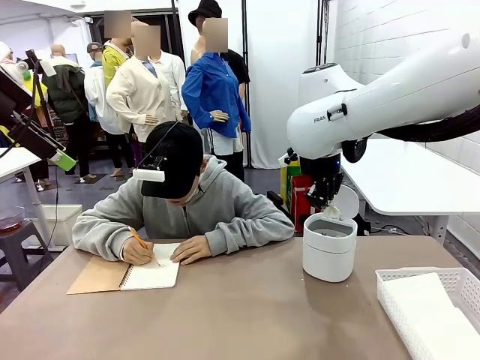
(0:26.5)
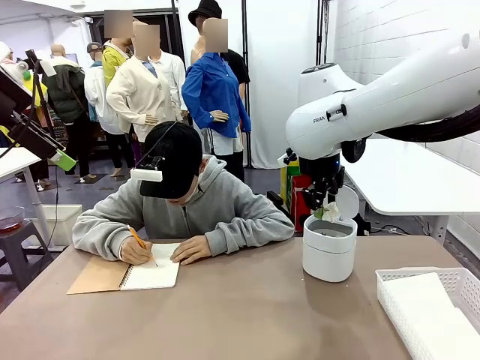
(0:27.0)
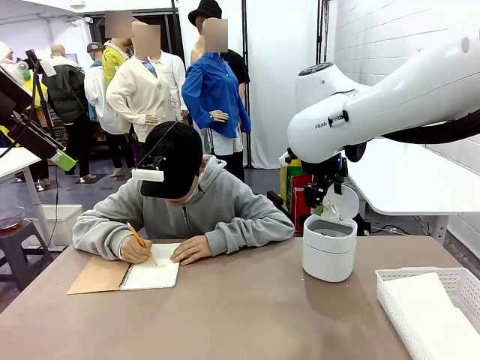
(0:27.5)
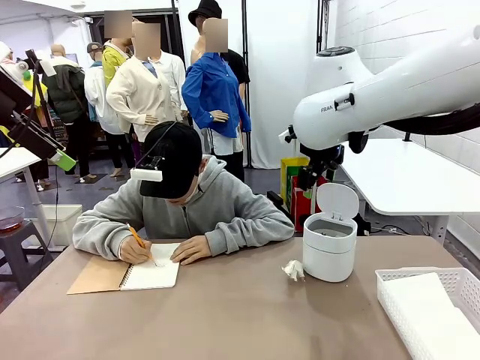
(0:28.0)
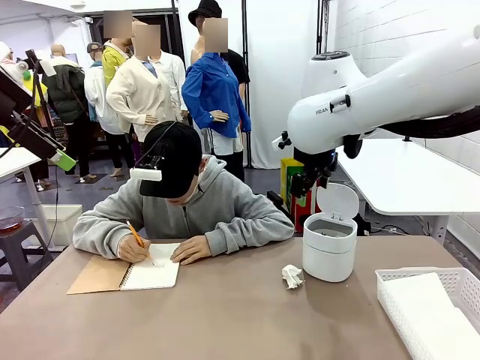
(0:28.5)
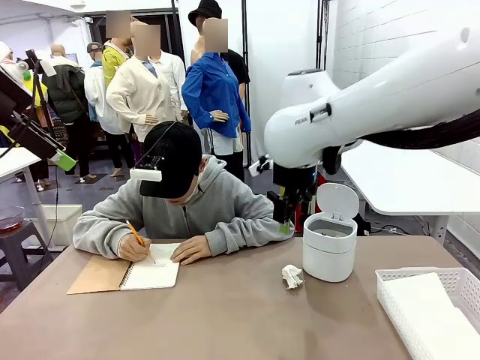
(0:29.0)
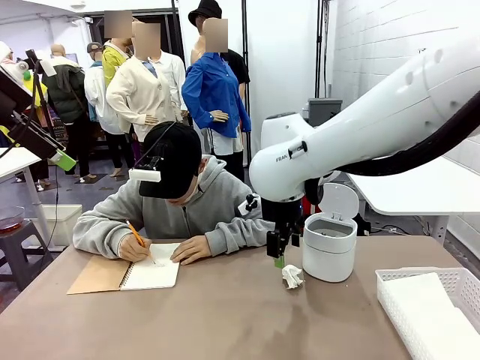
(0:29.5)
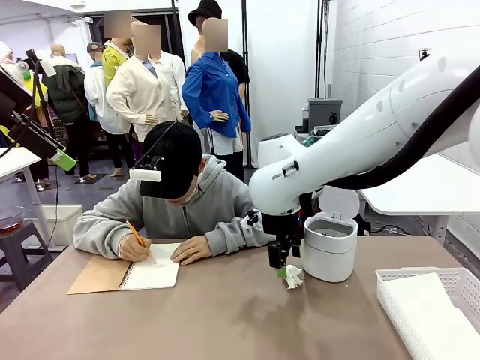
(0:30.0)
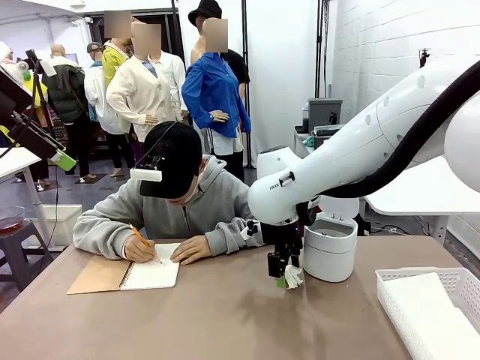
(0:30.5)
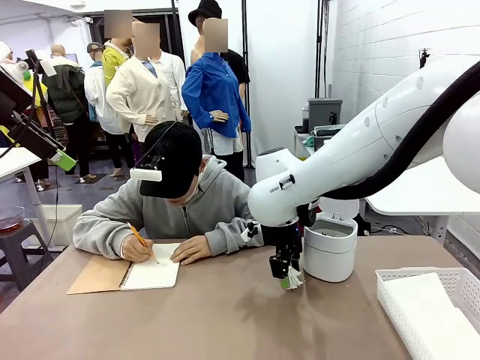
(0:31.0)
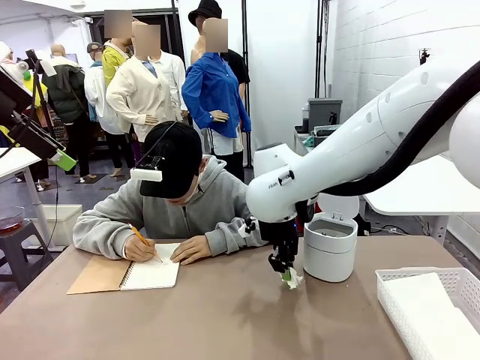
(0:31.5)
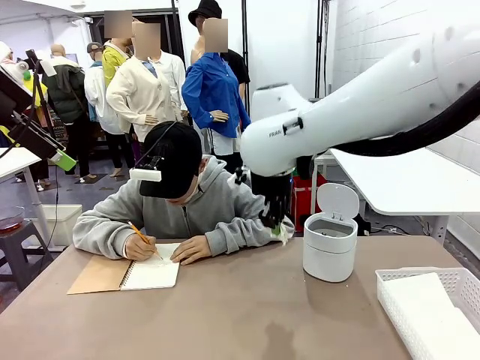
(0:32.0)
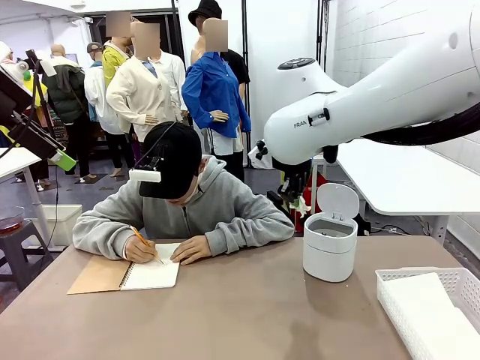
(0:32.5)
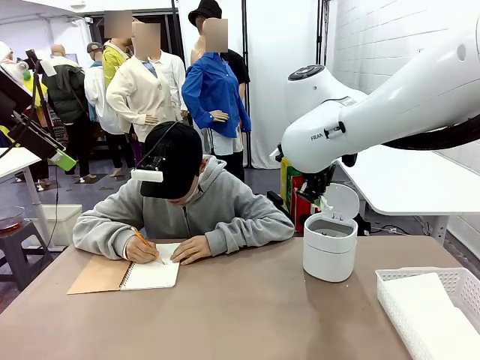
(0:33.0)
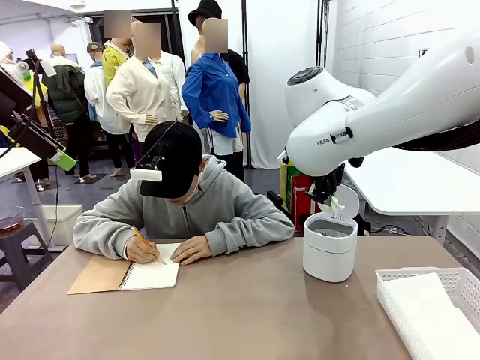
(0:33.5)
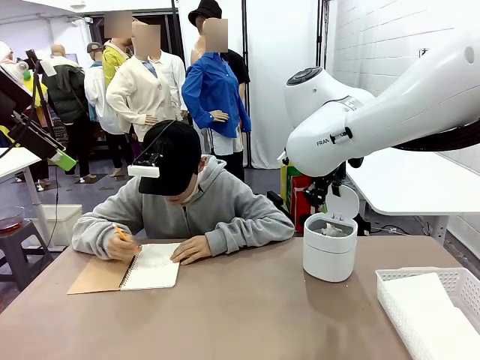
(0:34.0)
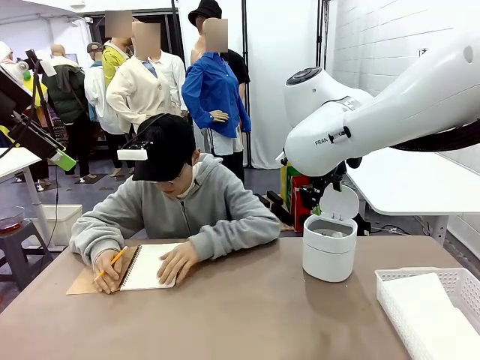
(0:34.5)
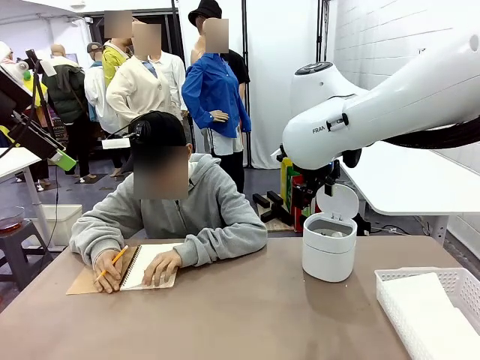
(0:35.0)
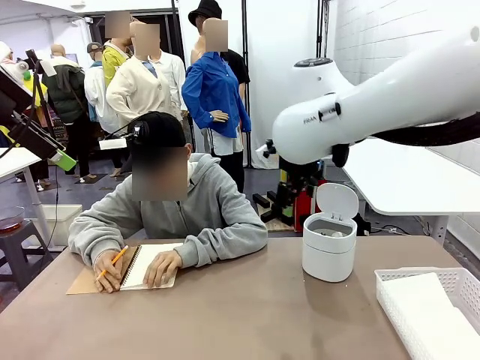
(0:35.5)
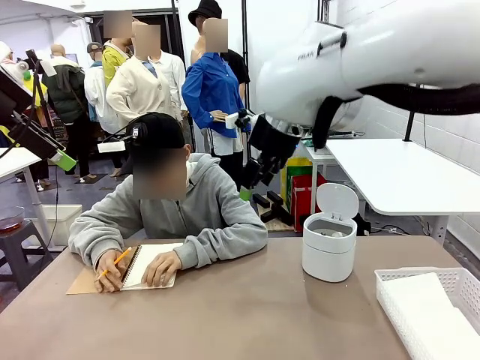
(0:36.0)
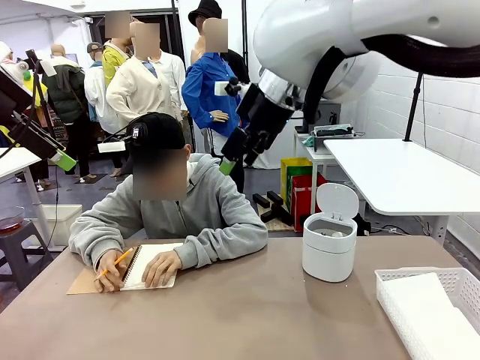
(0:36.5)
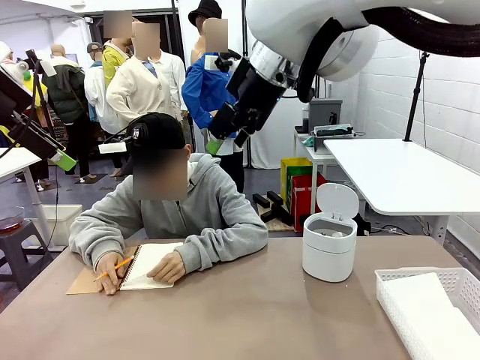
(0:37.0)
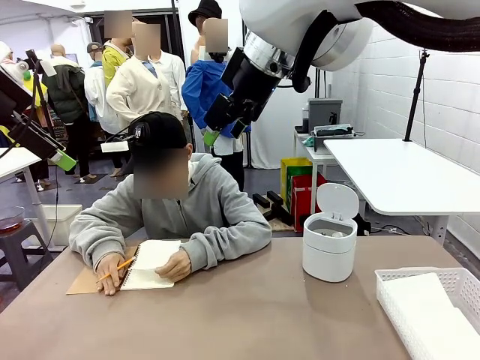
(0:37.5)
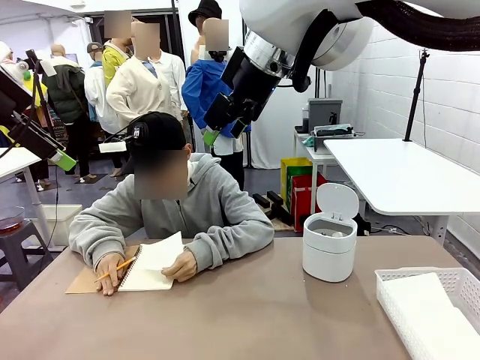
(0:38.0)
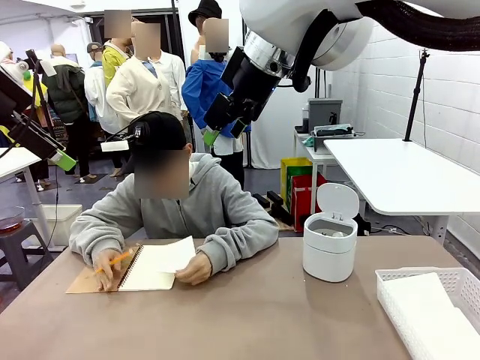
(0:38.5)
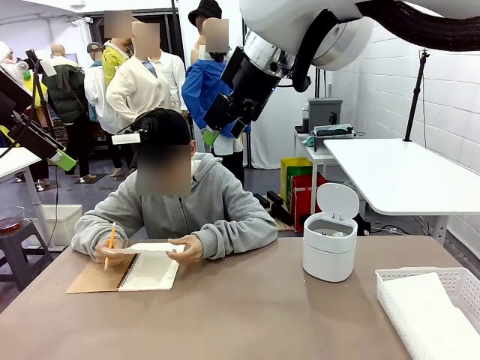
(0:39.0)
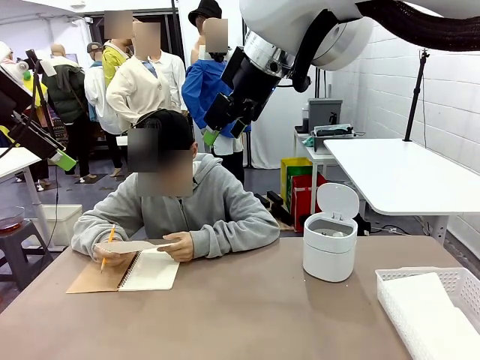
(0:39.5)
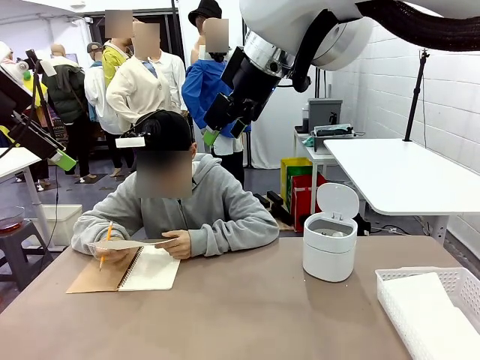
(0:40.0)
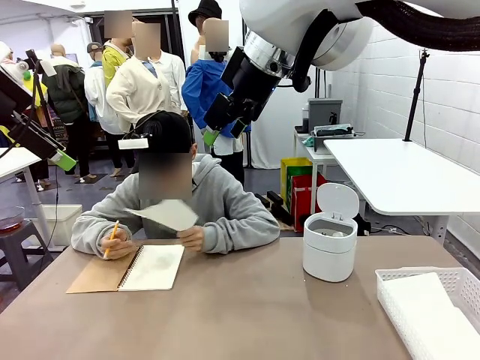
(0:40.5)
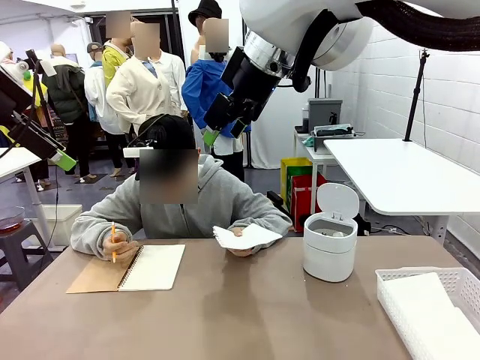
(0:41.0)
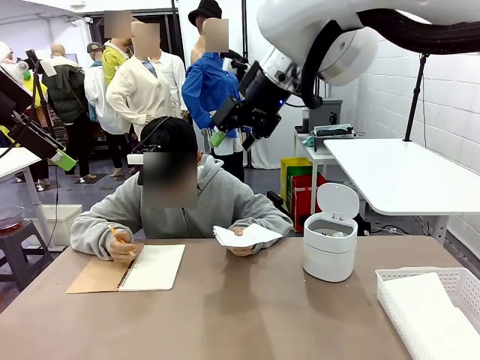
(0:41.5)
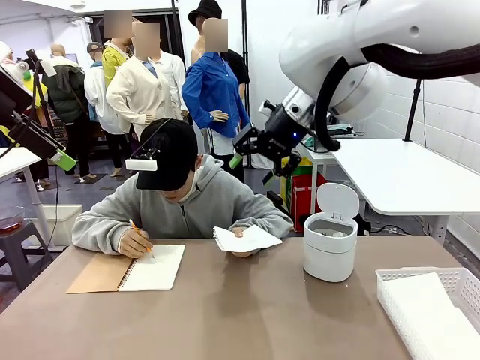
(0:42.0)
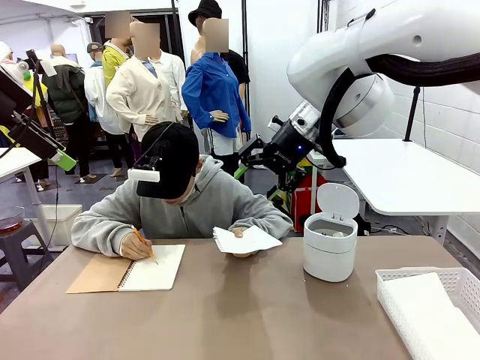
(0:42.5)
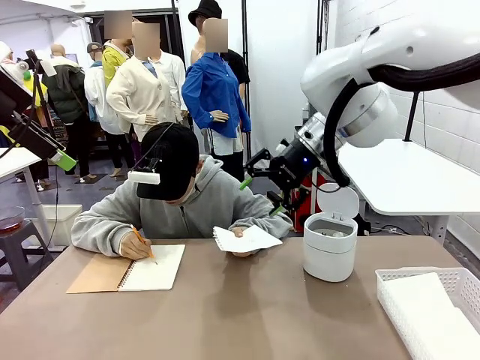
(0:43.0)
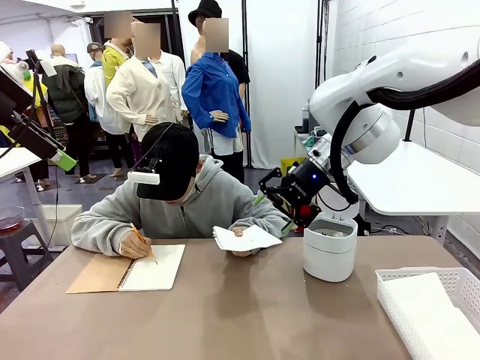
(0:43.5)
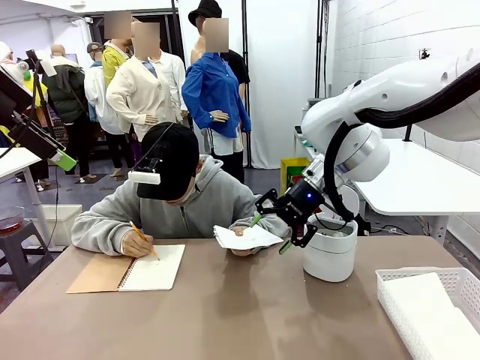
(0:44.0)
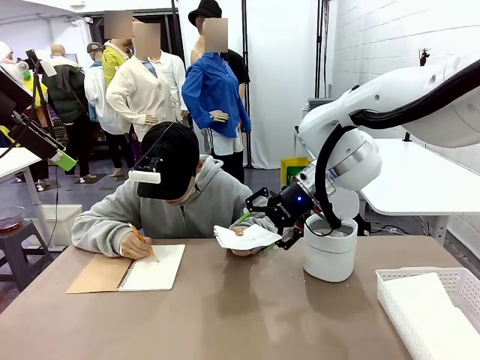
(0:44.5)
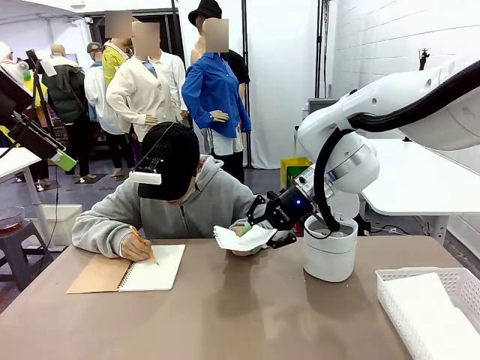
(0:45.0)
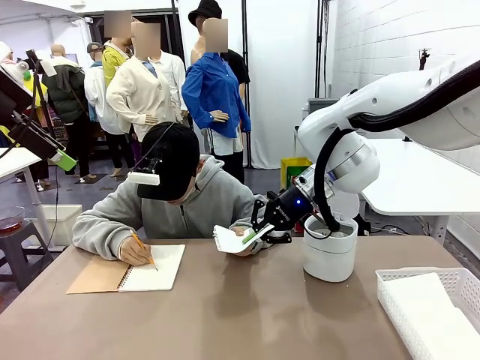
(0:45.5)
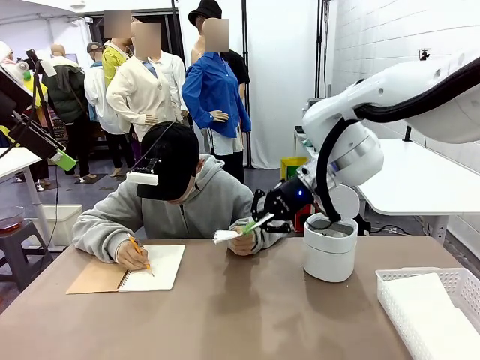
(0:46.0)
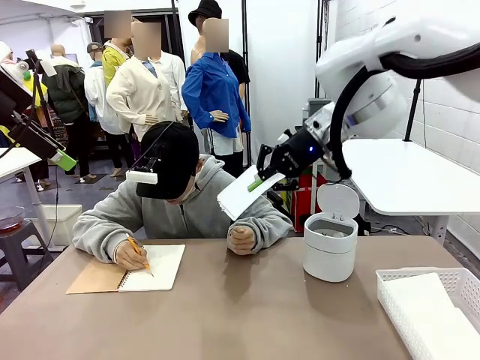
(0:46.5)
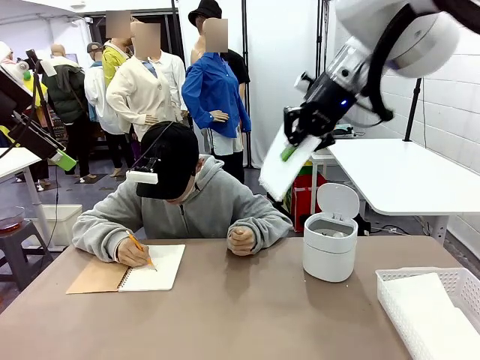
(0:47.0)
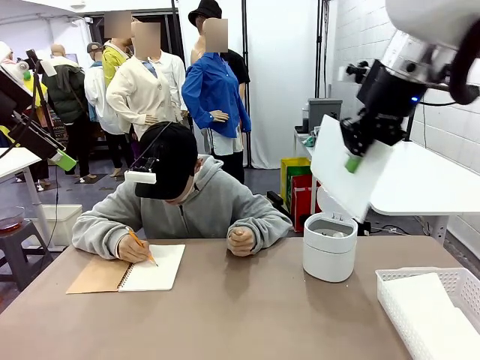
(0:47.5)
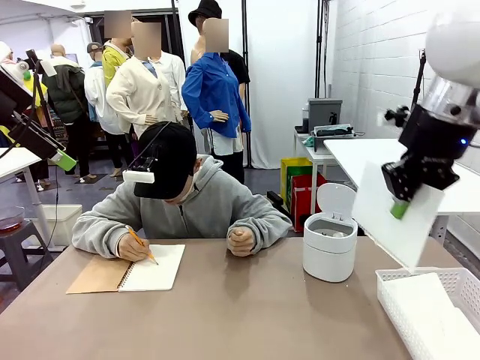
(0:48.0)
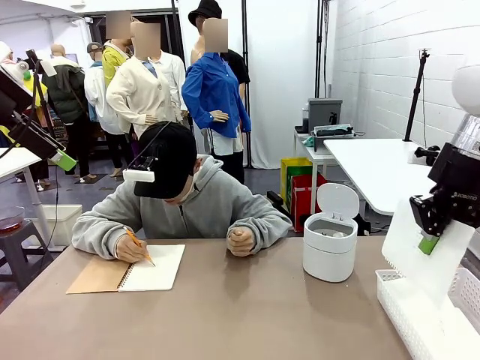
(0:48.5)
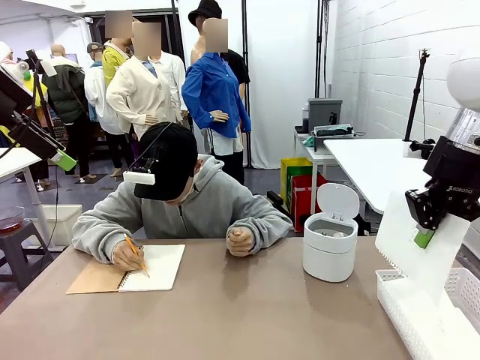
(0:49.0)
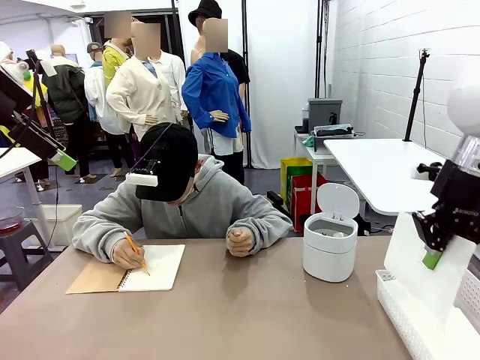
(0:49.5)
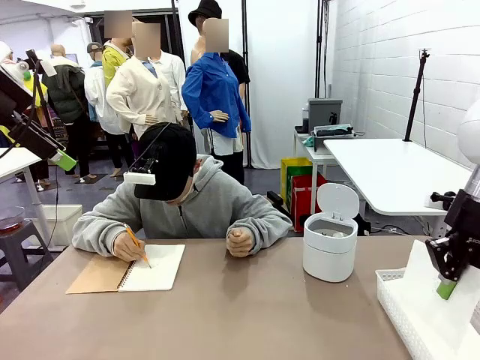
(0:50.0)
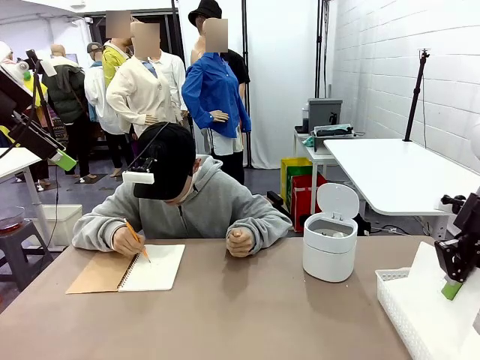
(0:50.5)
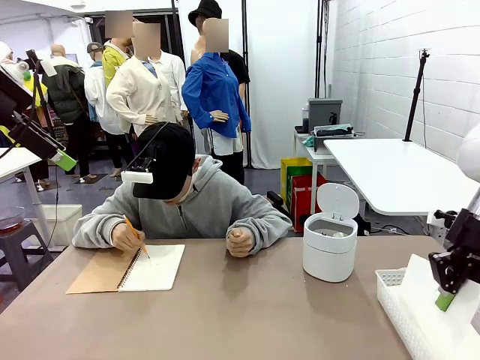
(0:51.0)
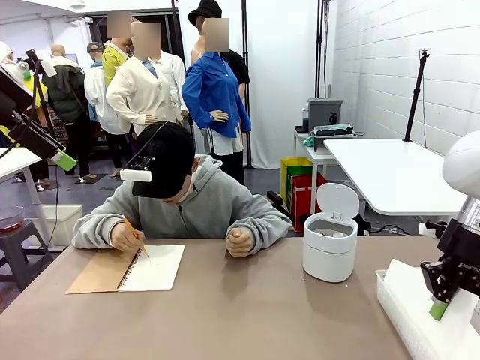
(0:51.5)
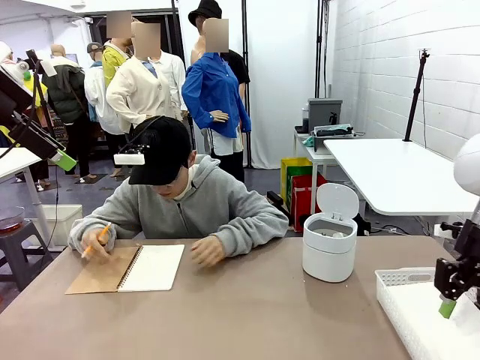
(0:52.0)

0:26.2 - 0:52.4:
Task: Sort the paper based on its condition.
Robot: If a person hands you a paper, place it in the Organizing basket , and if it's crumpled, put it in the Trash can.
Person: Tear out a page from the spiral notebook. Hand the torn page to the robot or crumple it and throw it to the center of the table. Tear out a page from the spiral notebook.
